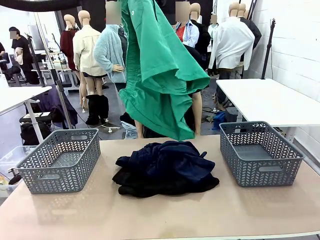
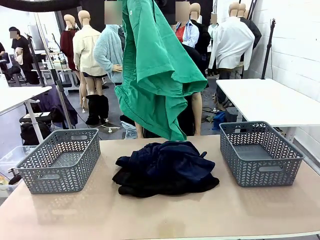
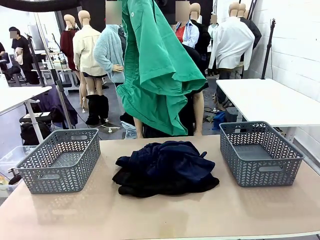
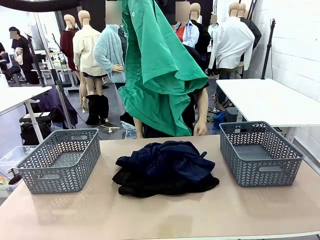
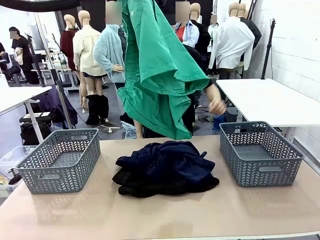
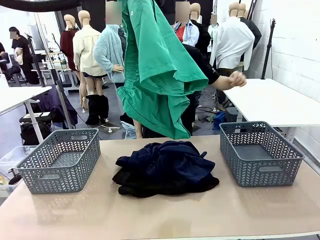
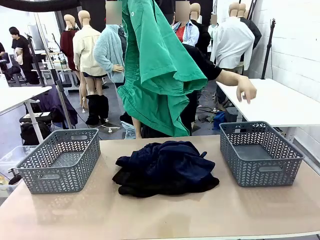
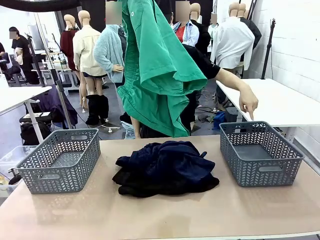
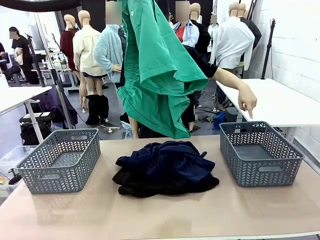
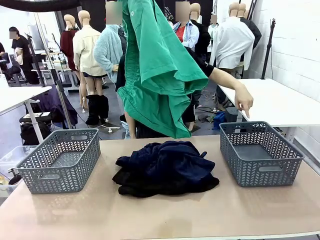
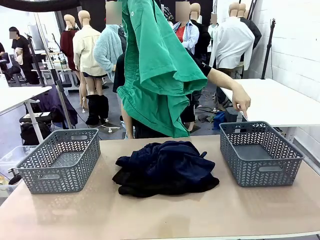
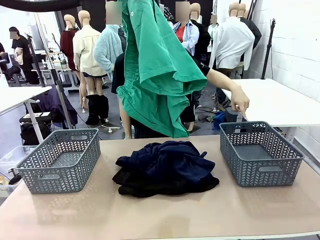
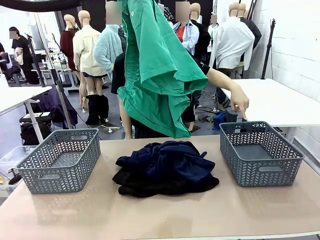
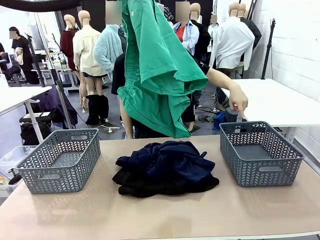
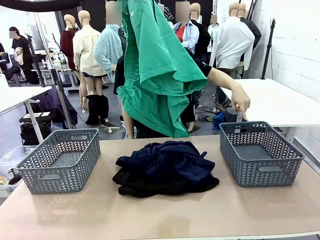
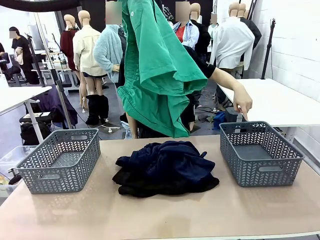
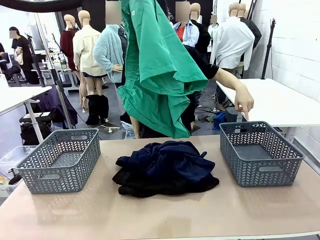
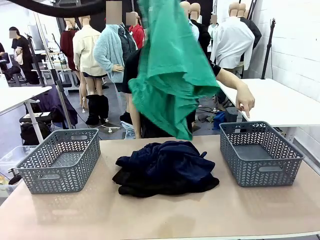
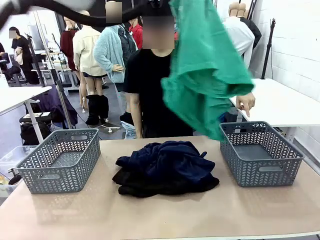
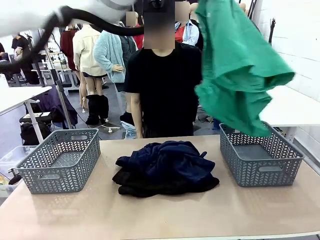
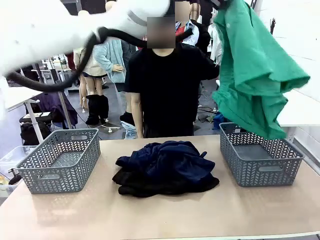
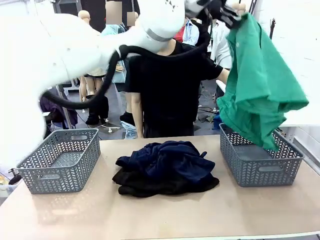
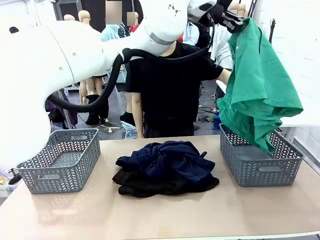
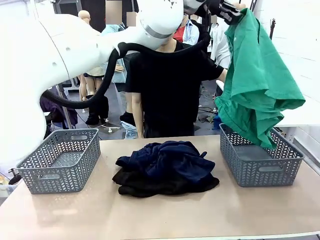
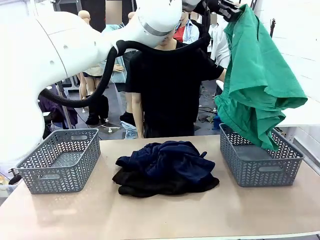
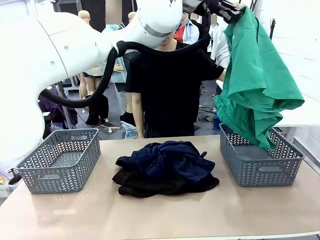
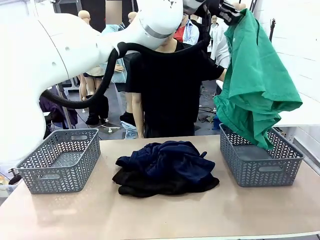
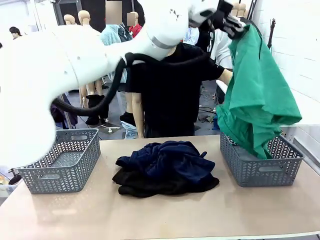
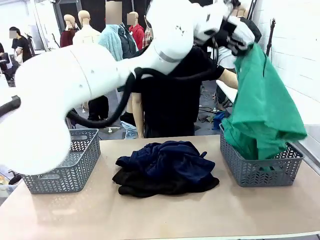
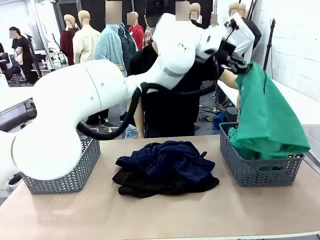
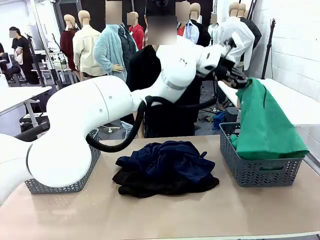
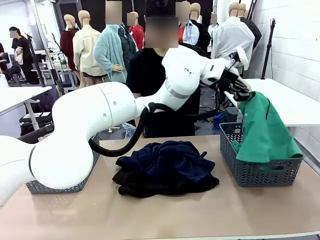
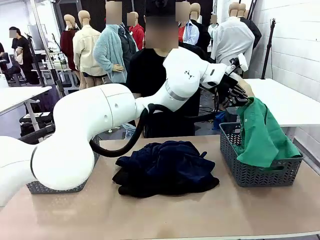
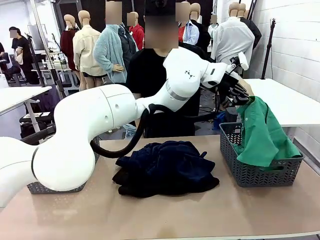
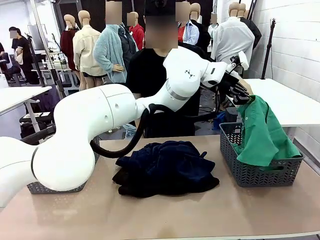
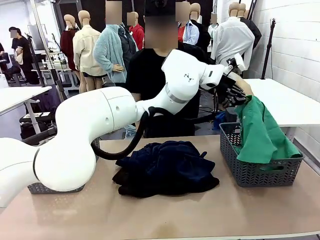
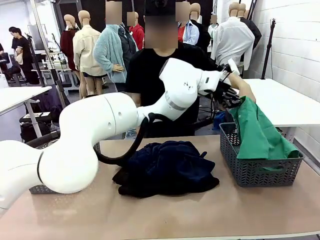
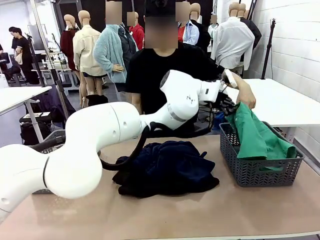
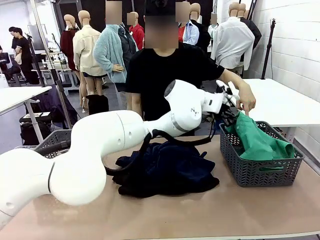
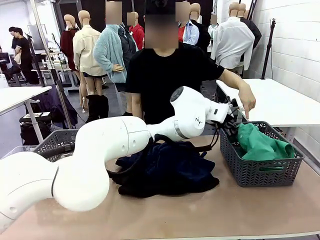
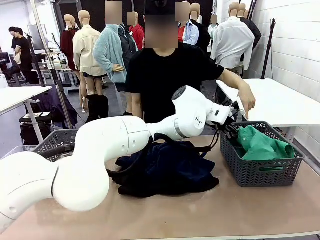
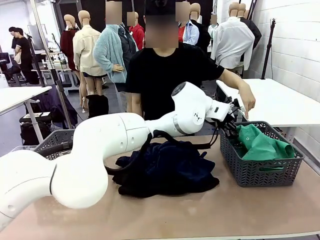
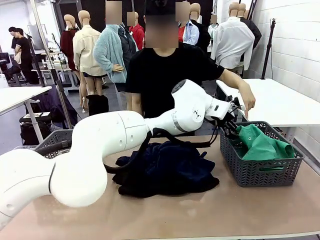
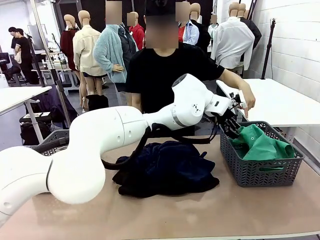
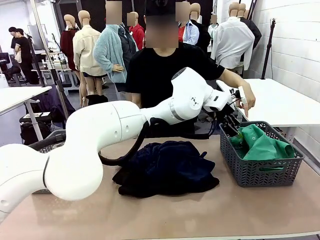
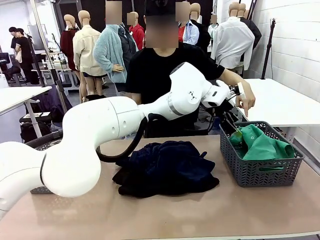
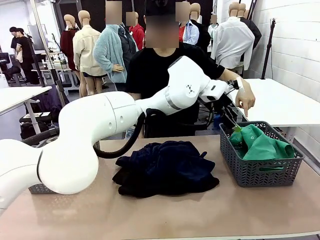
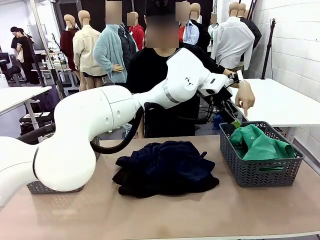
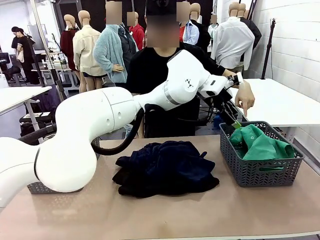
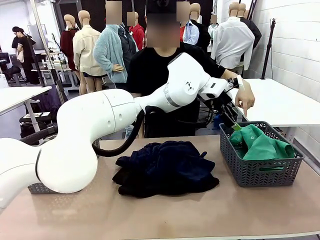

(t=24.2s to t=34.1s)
Task: Sort the tops and bottoms.
Robot: Sort the clothes according to human instructions.

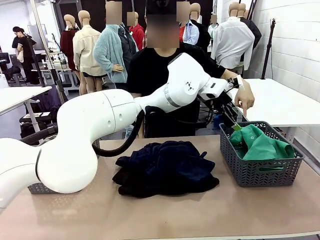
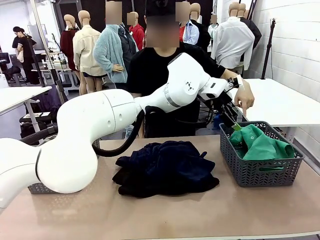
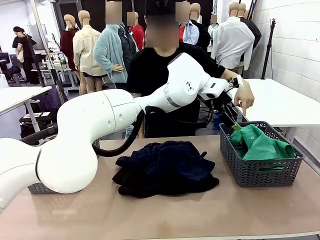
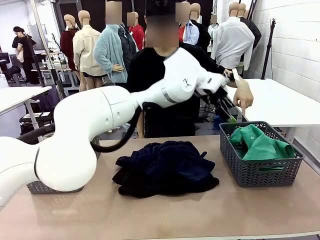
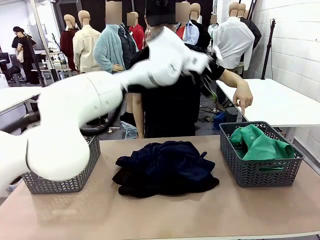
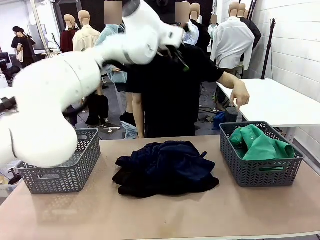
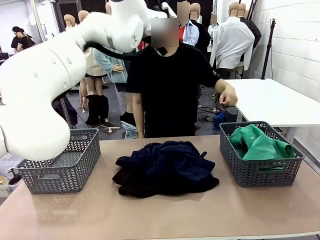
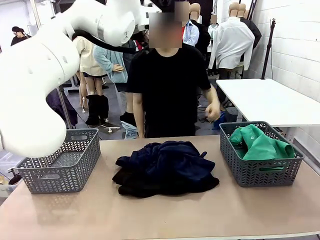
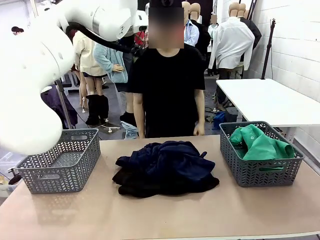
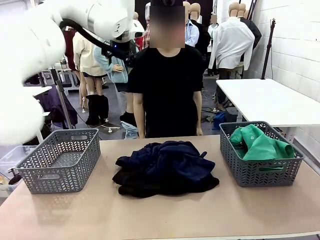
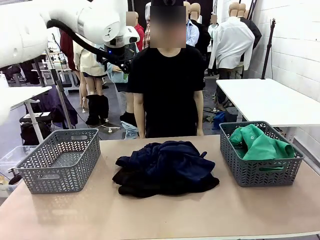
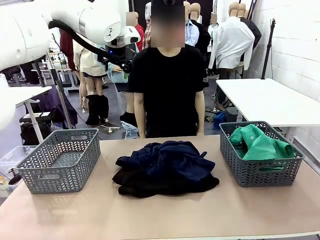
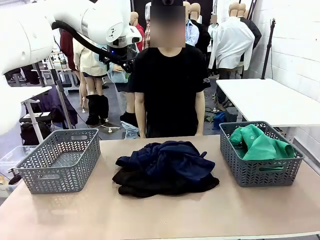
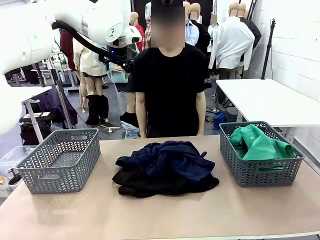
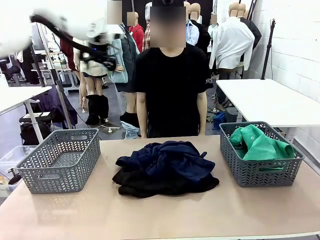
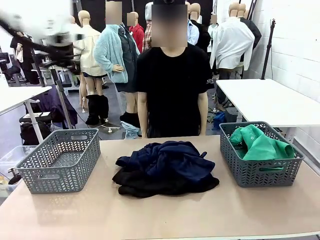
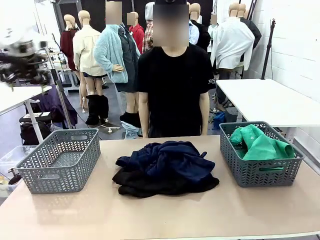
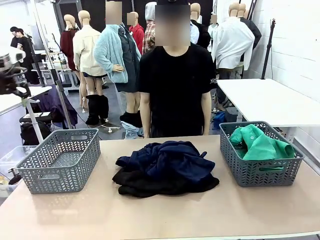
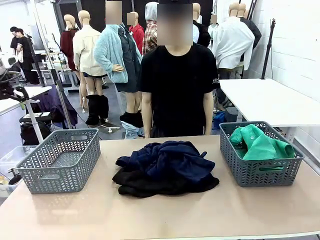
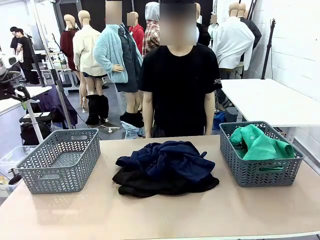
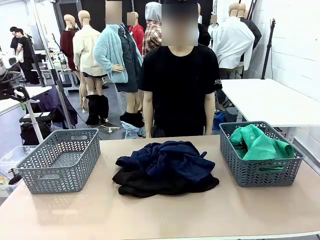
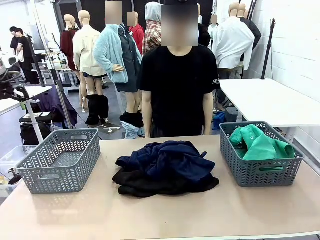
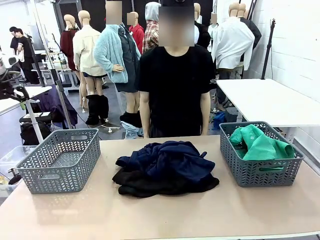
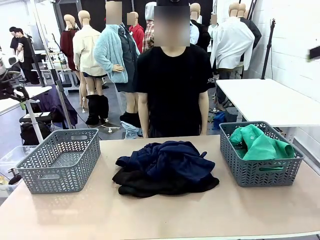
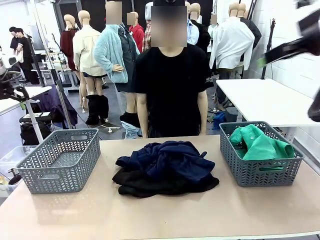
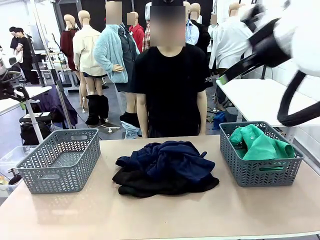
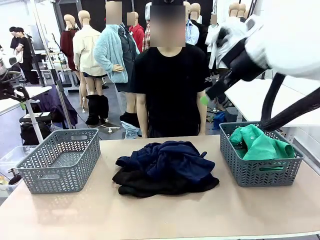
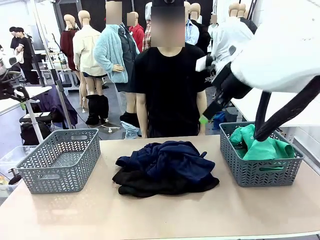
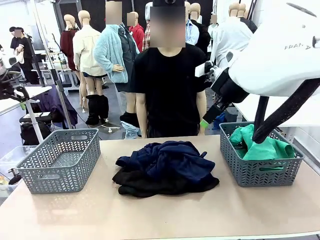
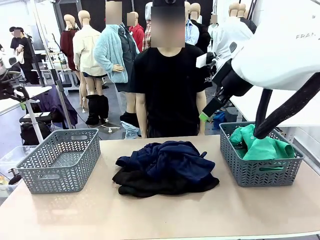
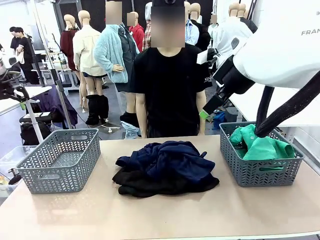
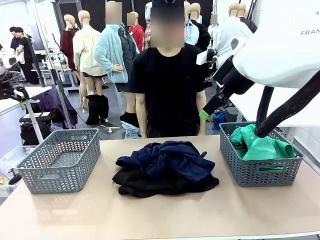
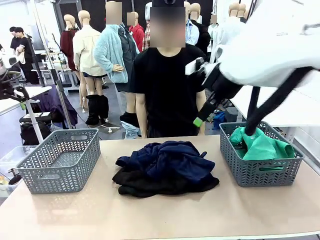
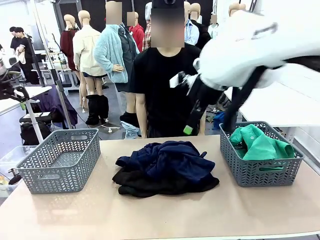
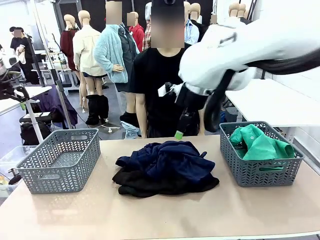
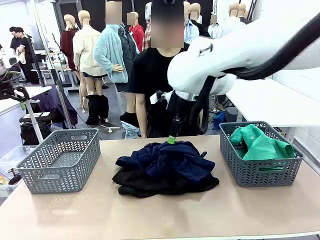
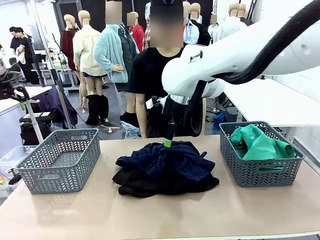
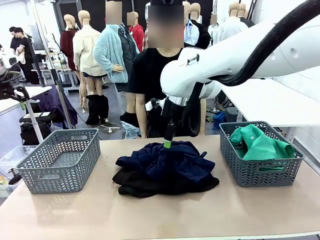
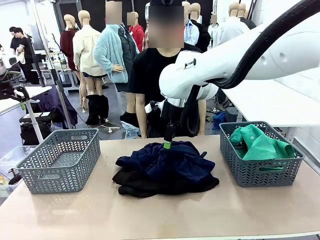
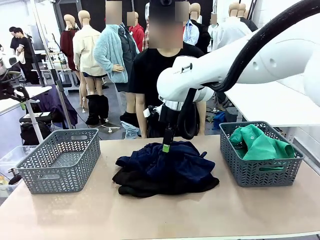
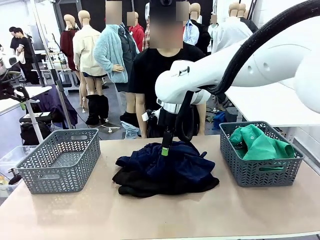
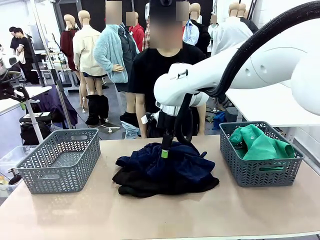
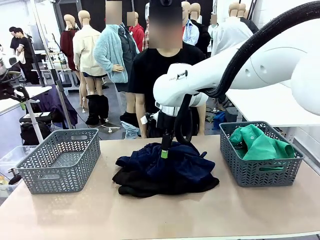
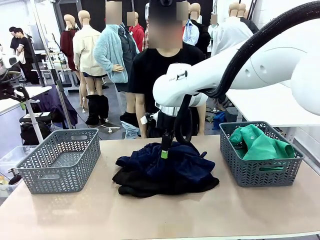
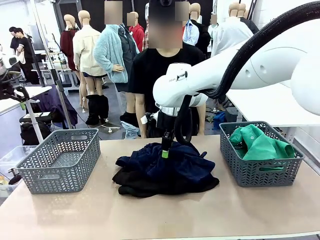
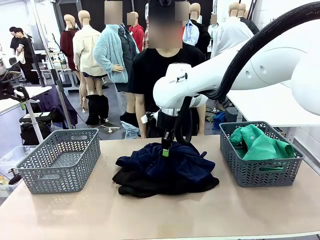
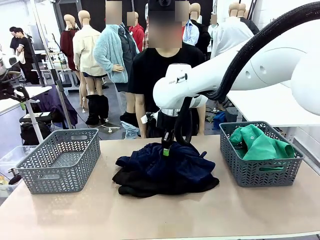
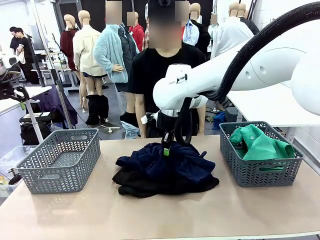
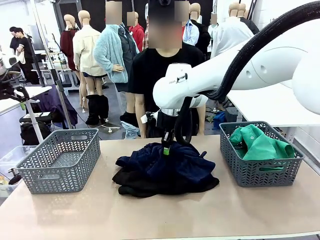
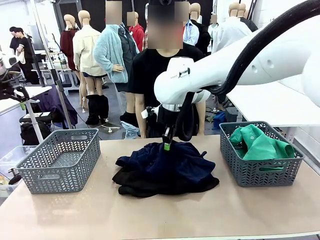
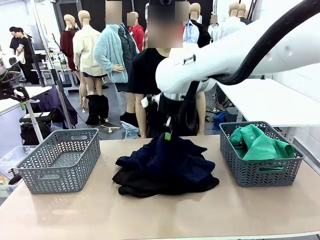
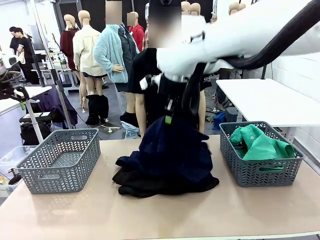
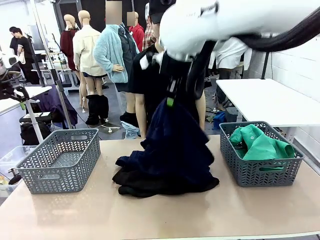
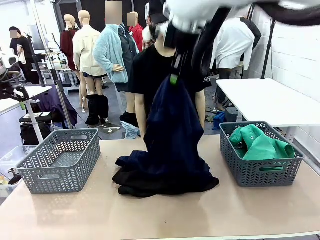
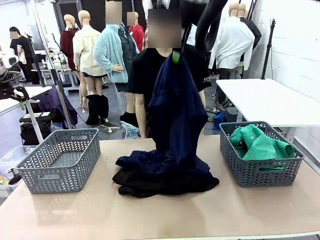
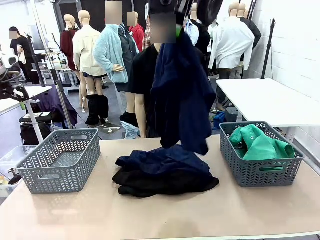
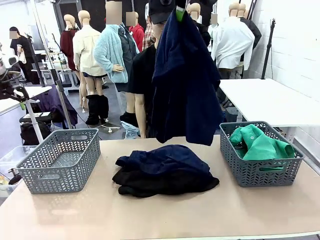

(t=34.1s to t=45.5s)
Robot: Lift clothes from the center of the table with your right hand.
